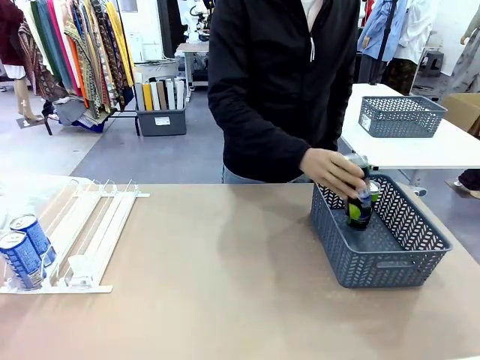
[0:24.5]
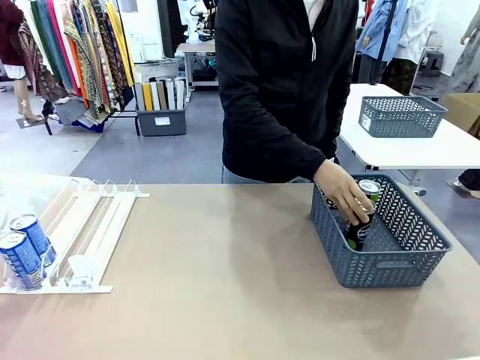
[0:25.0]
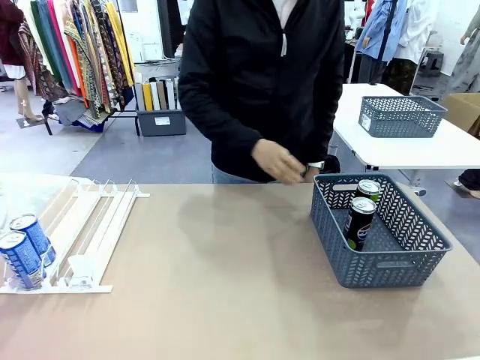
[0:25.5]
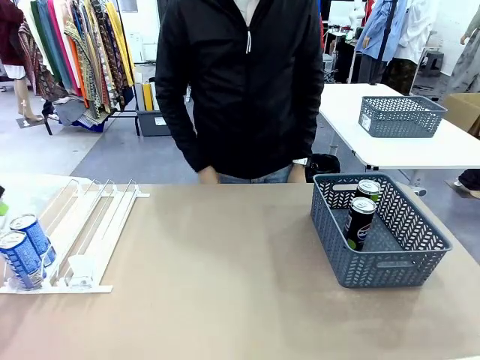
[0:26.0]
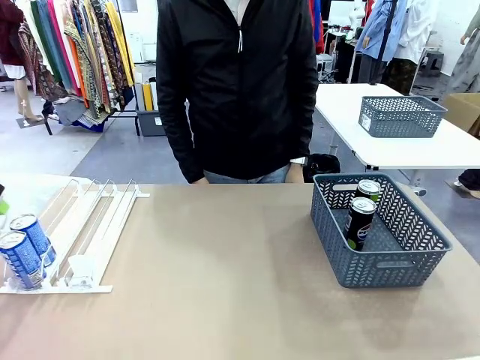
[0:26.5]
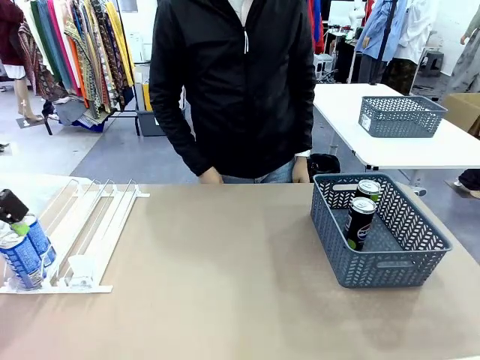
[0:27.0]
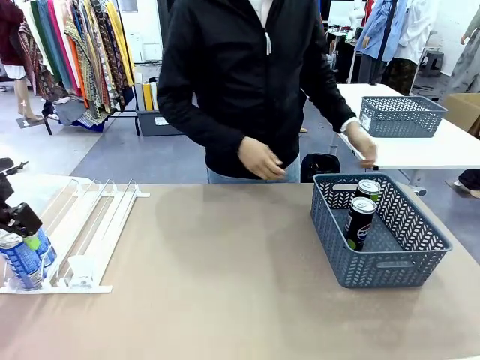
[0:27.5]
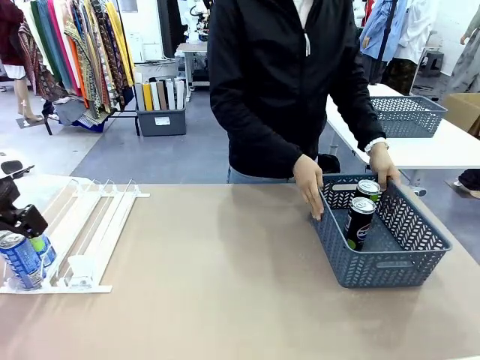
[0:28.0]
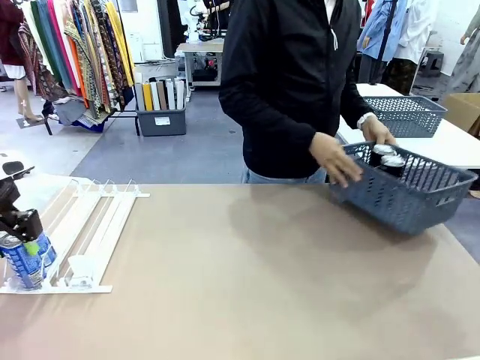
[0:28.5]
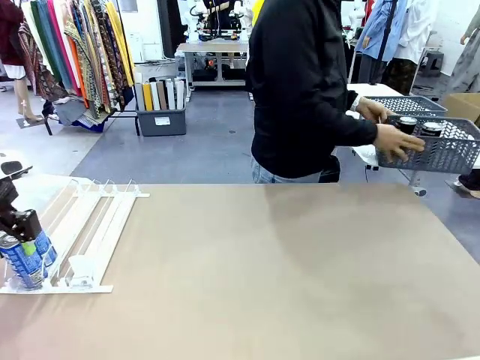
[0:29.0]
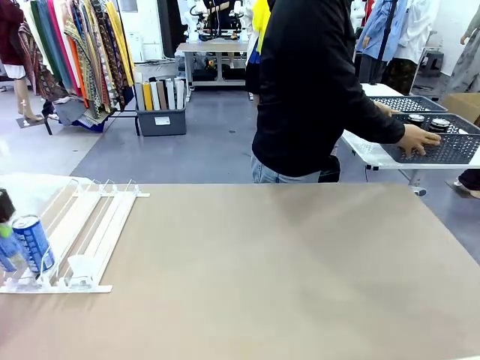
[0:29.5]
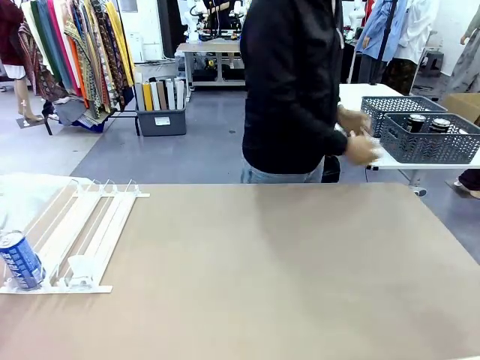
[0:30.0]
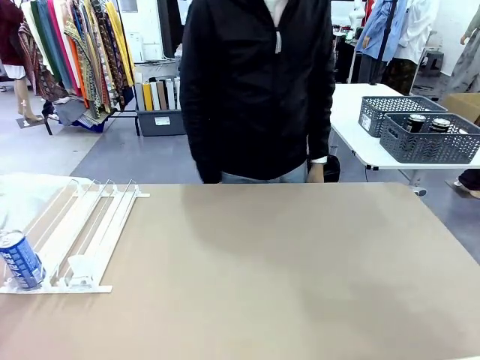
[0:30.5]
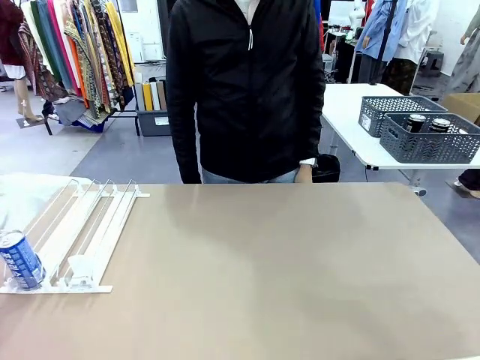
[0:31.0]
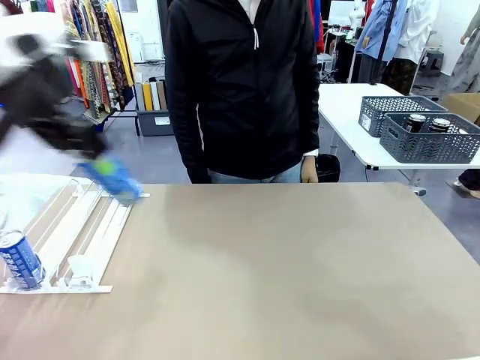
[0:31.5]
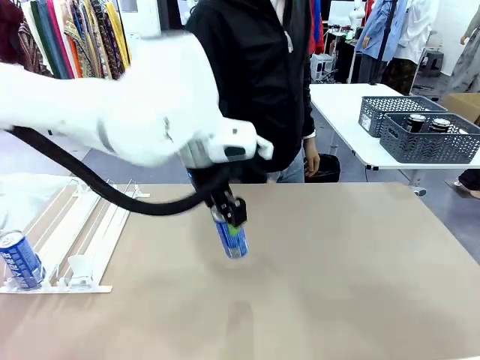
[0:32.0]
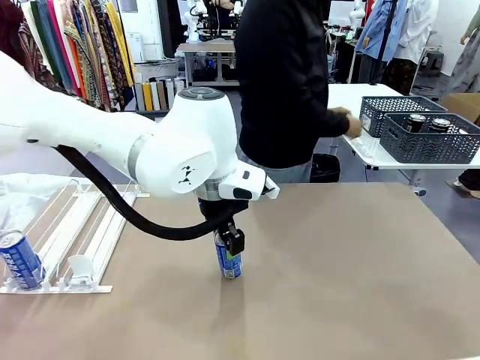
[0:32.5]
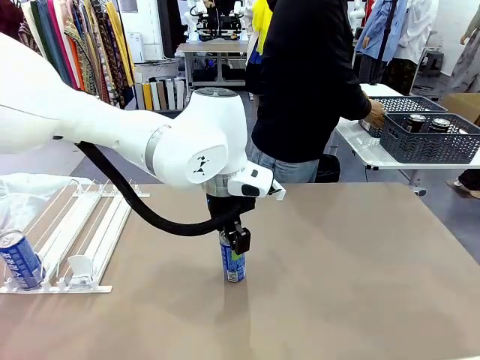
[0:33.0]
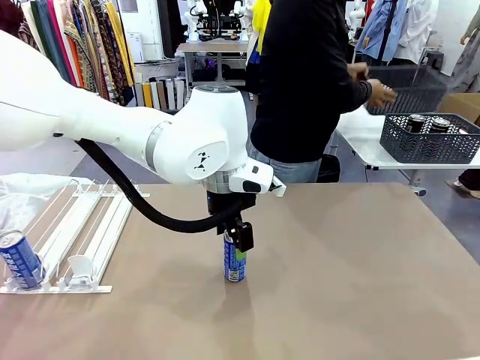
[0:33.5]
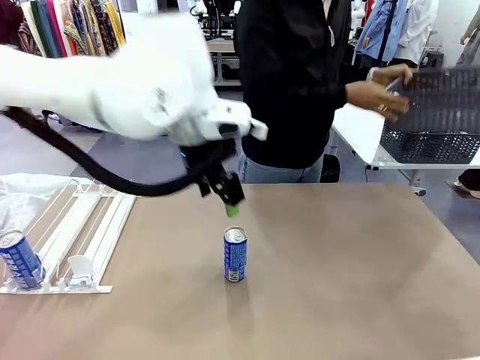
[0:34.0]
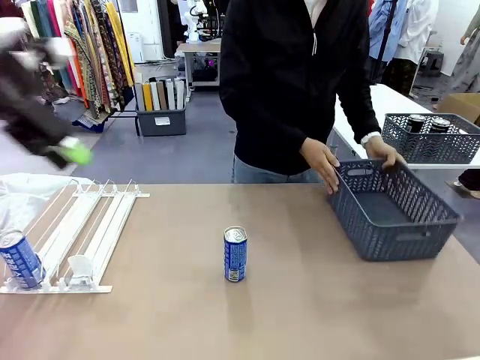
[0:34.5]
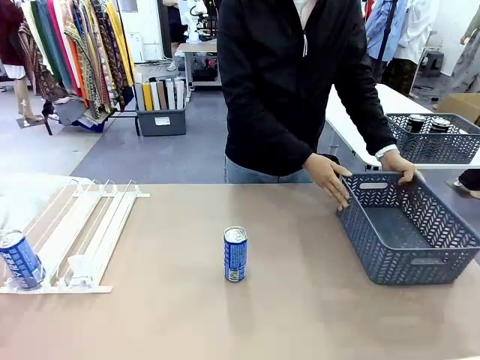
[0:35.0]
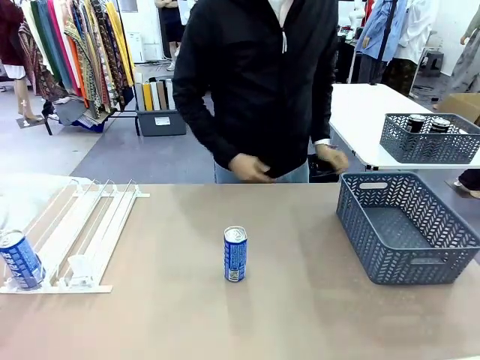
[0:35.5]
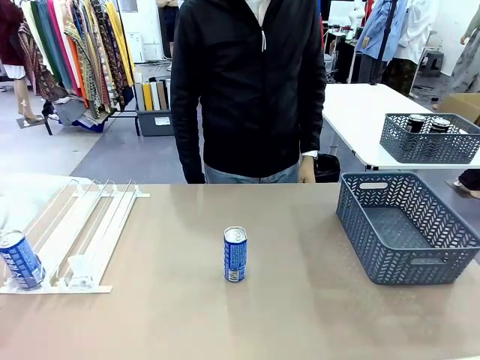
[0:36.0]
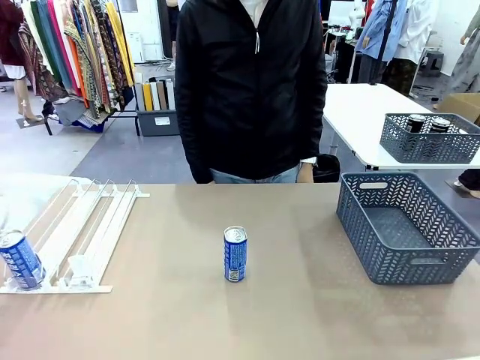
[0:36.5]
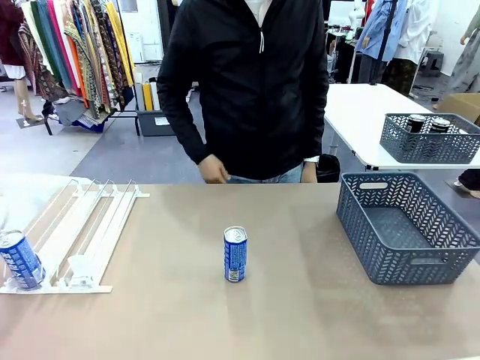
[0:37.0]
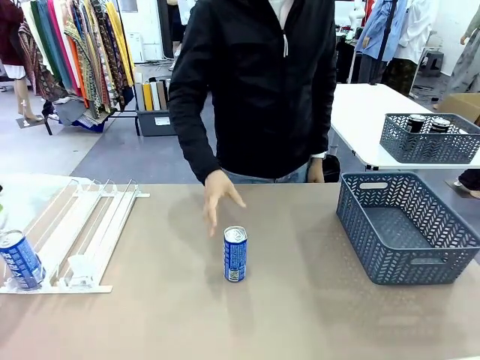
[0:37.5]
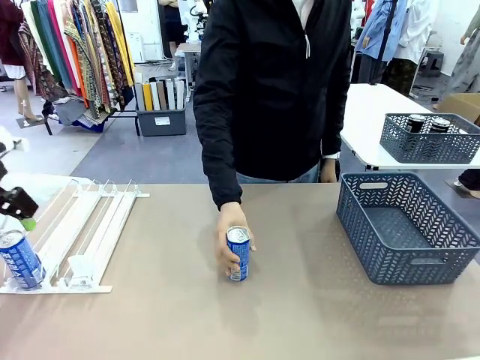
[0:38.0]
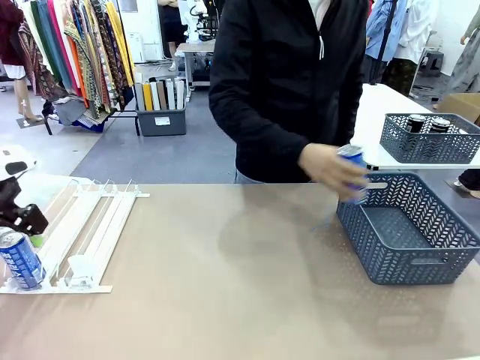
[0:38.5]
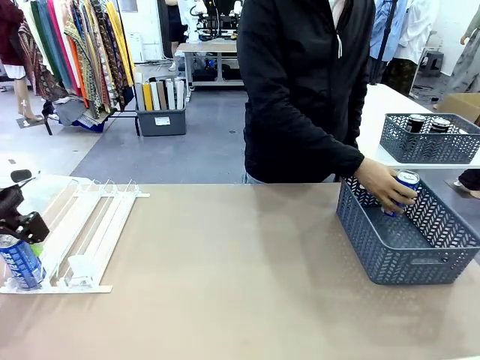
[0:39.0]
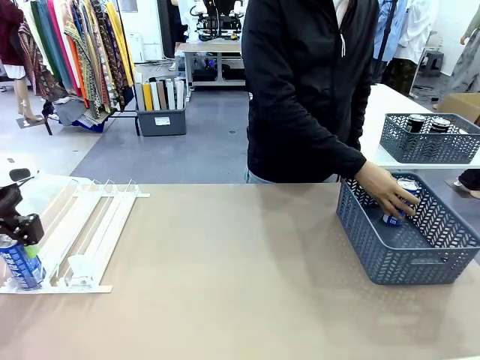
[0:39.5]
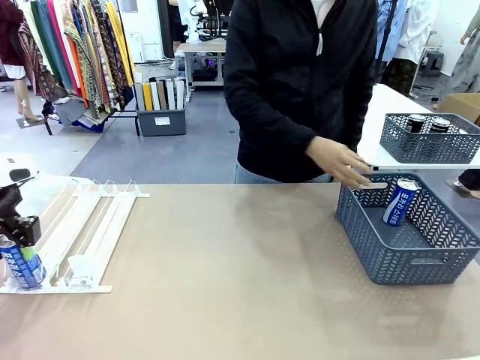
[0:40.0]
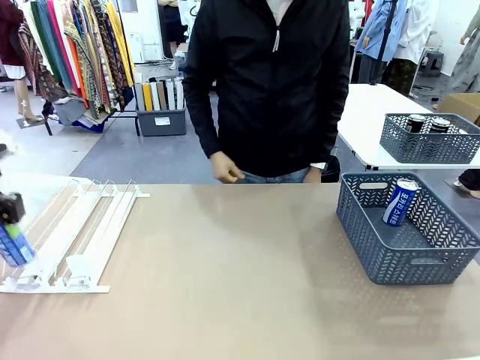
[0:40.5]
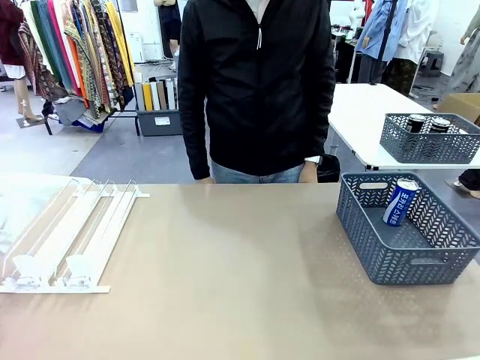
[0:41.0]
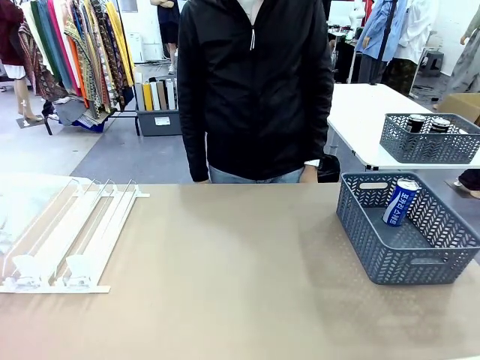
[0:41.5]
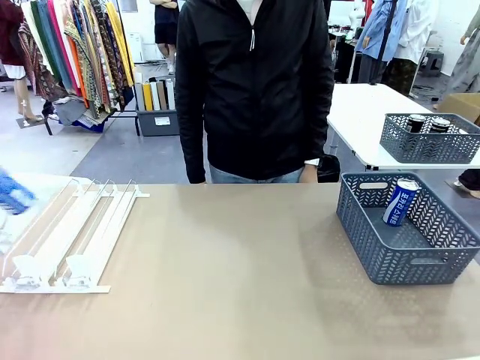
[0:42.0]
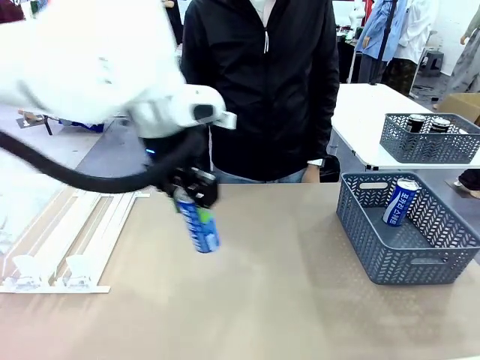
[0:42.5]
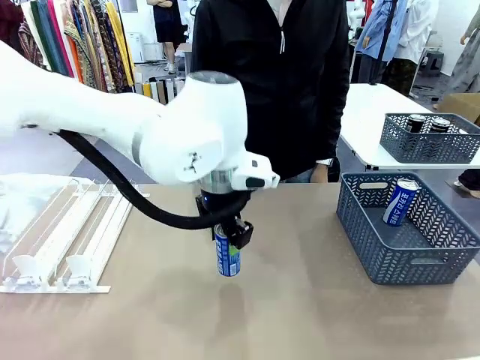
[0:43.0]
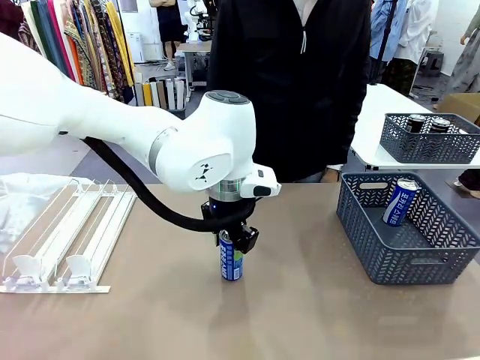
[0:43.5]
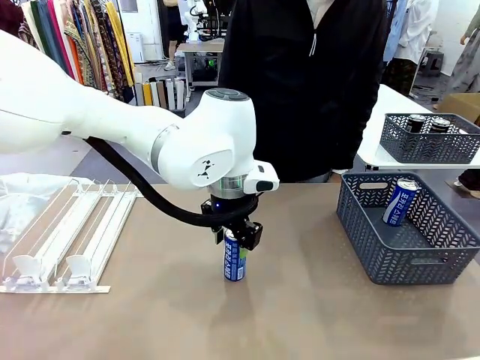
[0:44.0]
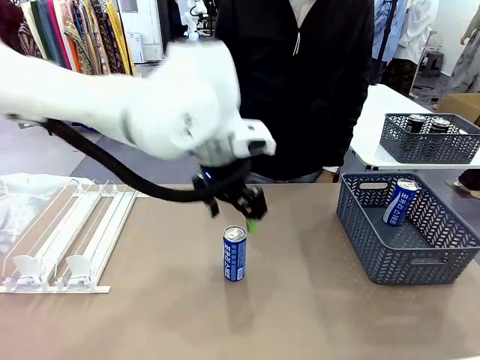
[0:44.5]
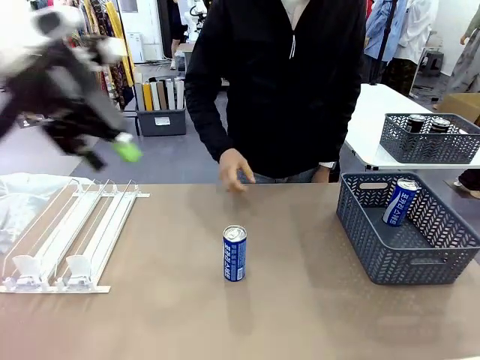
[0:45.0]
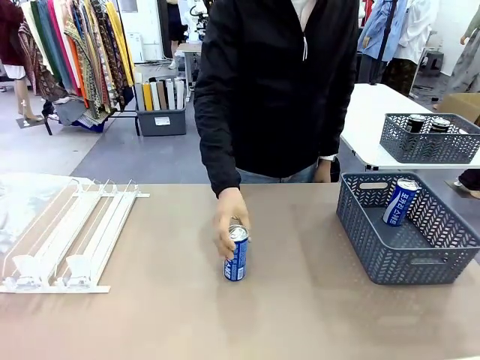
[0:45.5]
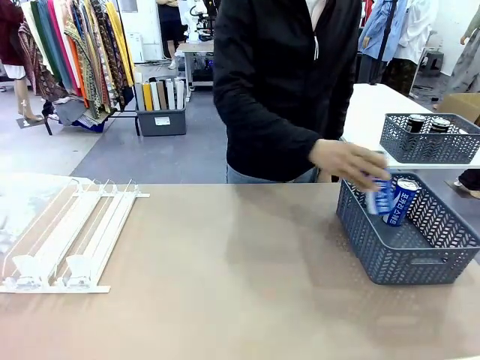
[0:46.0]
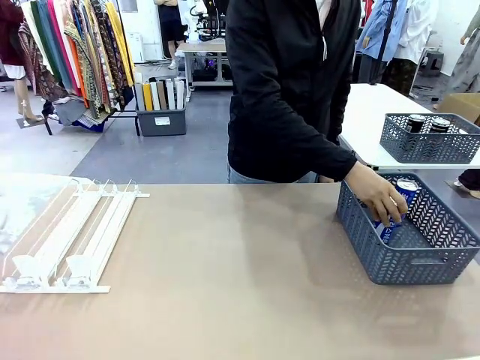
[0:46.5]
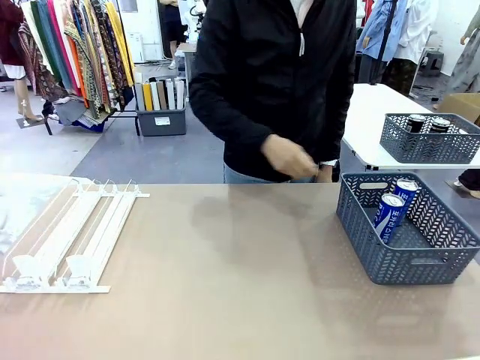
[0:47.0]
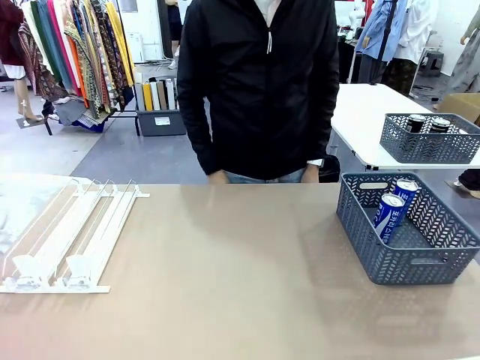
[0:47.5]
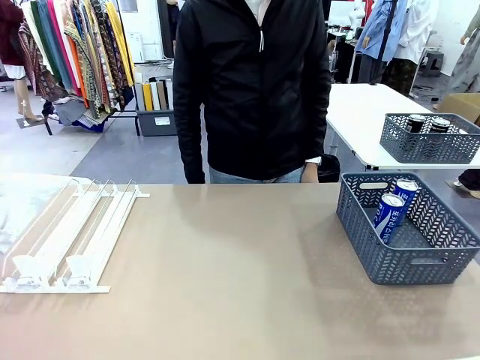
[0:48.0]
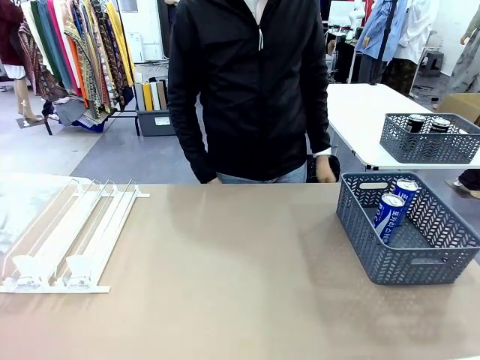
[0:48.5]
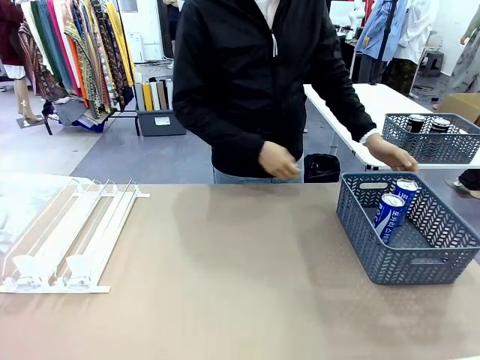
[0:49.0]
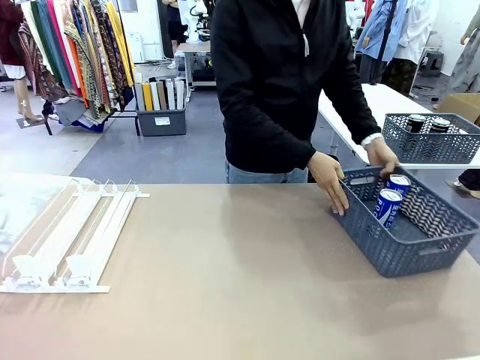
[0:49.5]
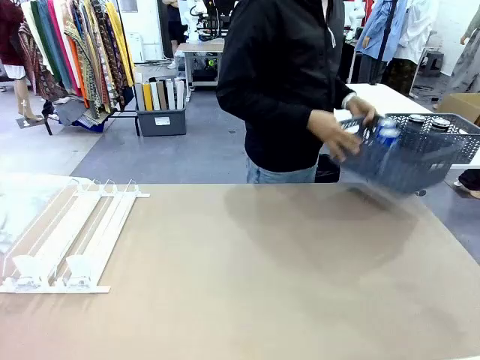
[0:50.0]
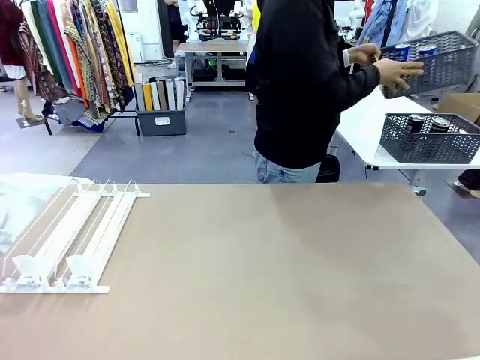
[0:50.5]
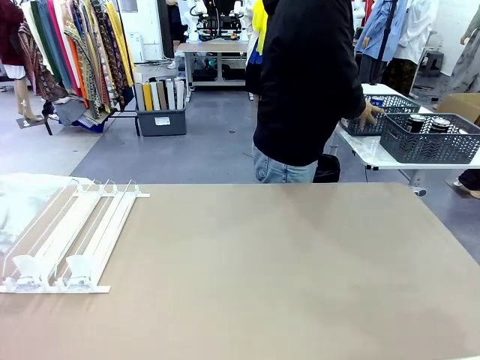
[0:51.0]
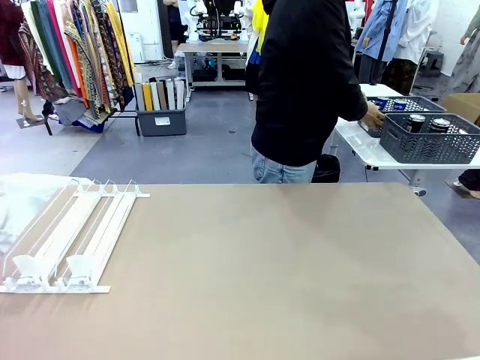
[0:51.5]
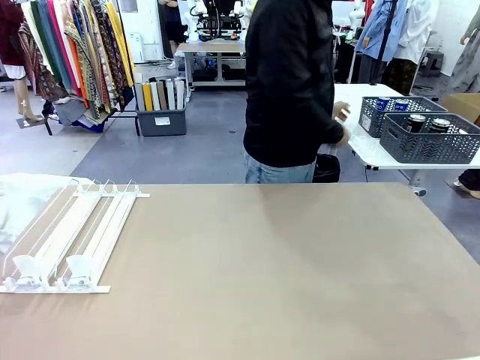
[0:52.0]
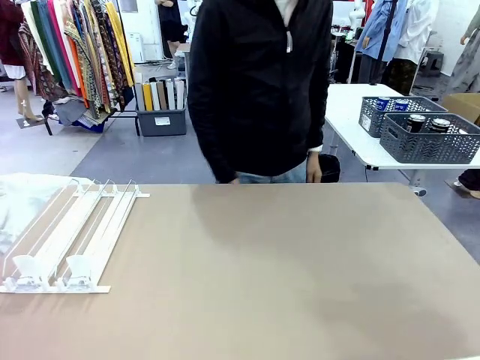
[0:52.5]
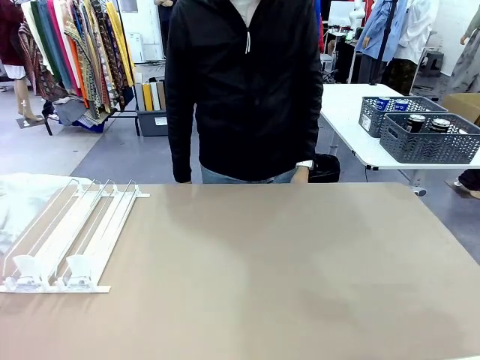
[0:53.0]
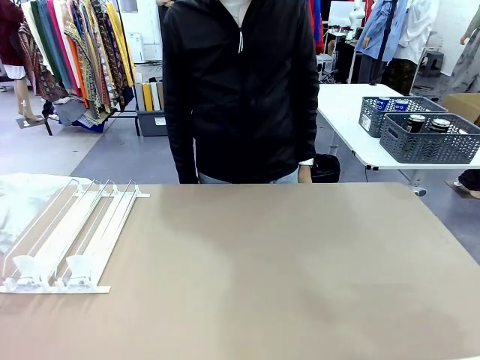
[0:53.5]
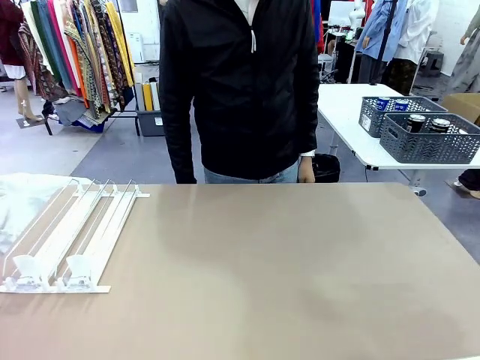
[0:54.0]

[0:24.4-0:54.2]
Task: Retrieve and store the cans from the dispenser.
Robot: Pick up one can from the Automatic Can Dispenser and place it in the middle of the table.
Person: Pick up the basket and place it in the middle of the human table. Pick up the empty basket and place it on the left side of the robot table. Pick up one sports drink can from the middle of the robot table and place it in the basket. Pick up the basket and place it in the middle of the human table.
